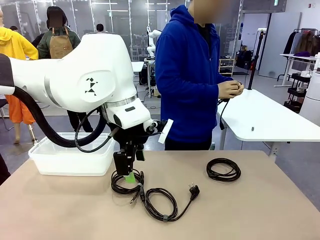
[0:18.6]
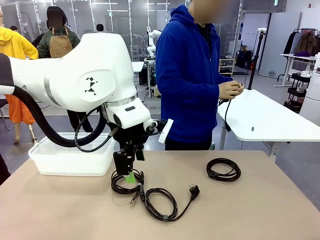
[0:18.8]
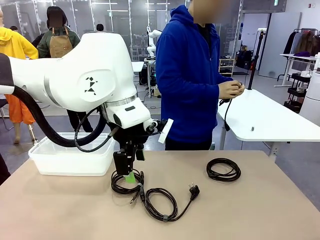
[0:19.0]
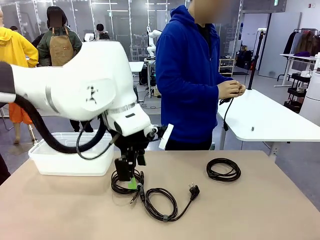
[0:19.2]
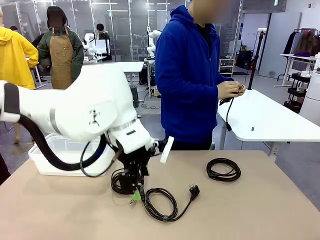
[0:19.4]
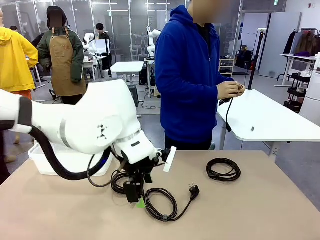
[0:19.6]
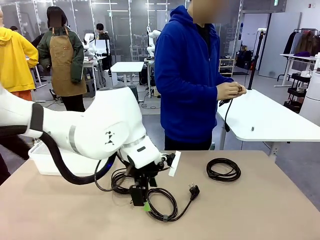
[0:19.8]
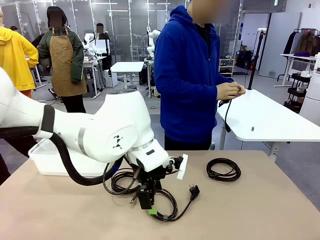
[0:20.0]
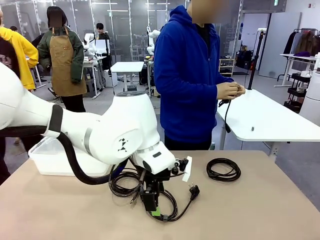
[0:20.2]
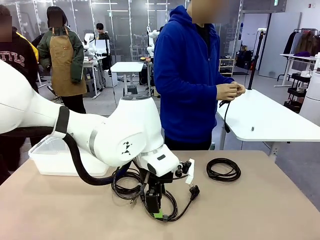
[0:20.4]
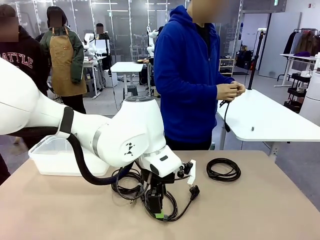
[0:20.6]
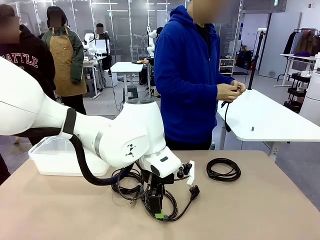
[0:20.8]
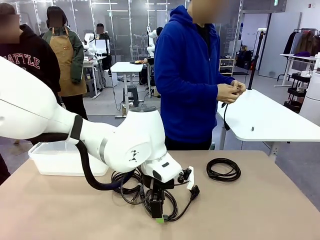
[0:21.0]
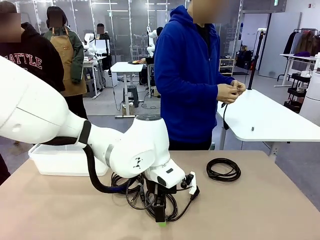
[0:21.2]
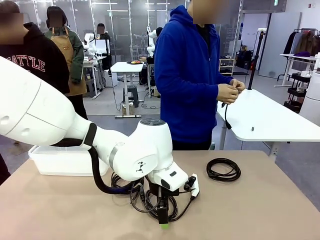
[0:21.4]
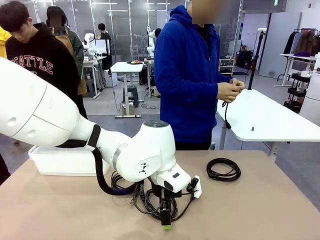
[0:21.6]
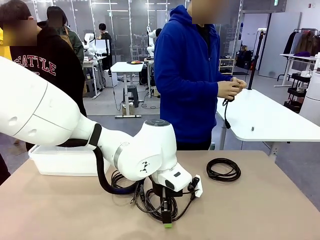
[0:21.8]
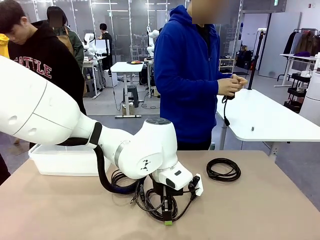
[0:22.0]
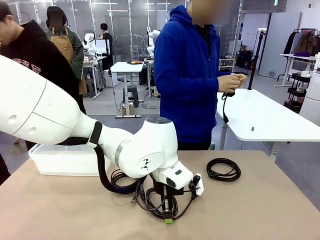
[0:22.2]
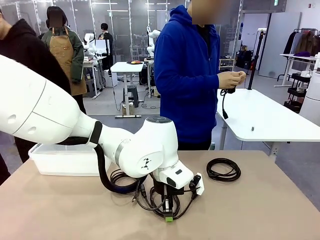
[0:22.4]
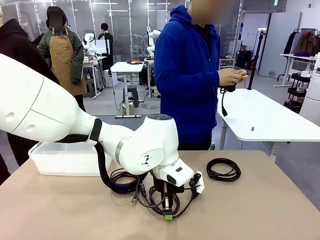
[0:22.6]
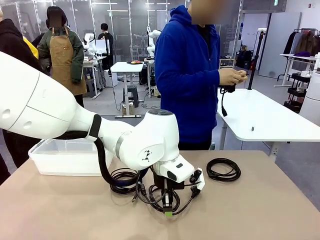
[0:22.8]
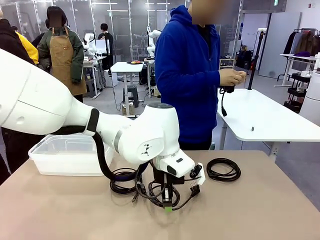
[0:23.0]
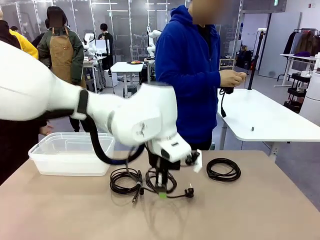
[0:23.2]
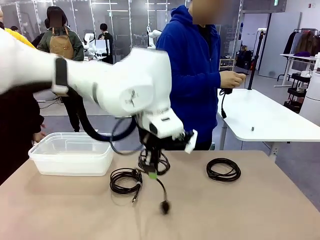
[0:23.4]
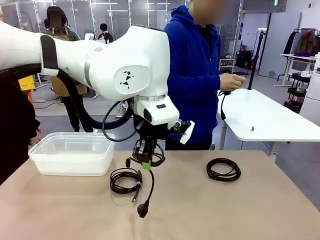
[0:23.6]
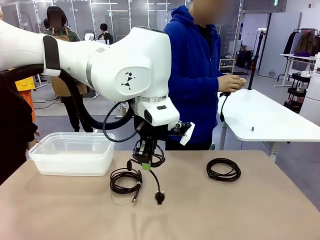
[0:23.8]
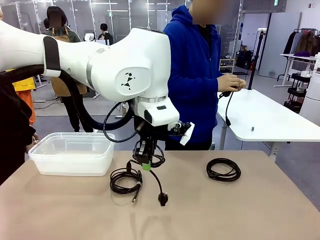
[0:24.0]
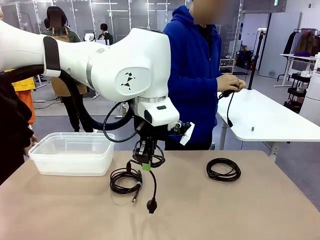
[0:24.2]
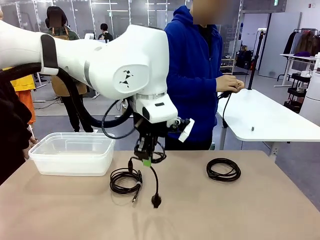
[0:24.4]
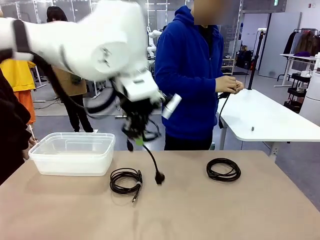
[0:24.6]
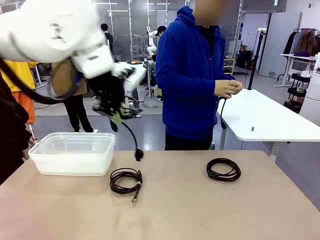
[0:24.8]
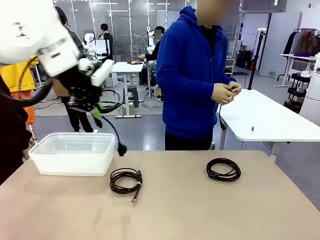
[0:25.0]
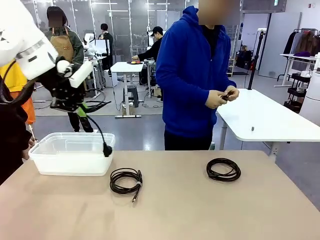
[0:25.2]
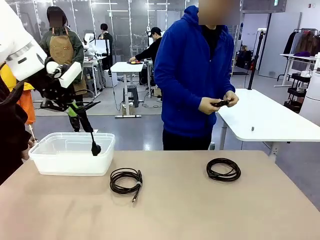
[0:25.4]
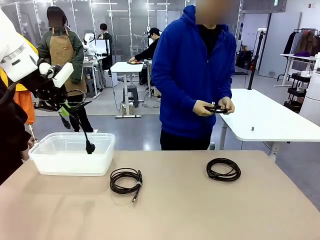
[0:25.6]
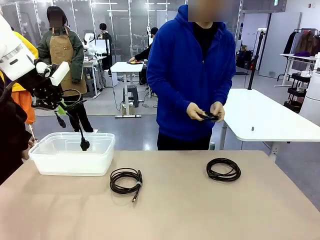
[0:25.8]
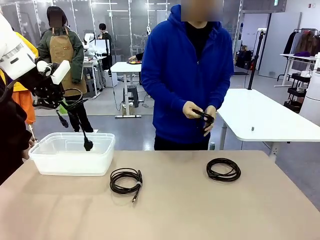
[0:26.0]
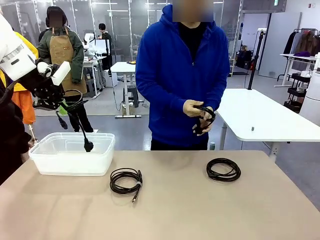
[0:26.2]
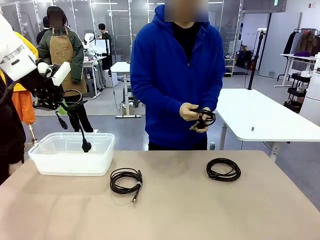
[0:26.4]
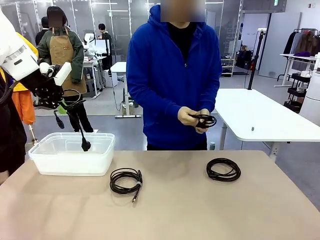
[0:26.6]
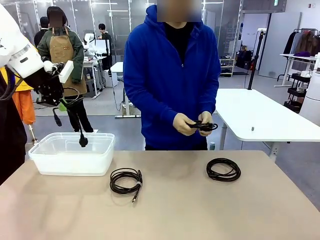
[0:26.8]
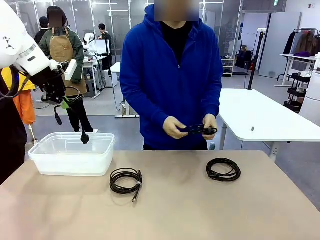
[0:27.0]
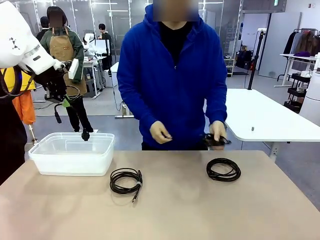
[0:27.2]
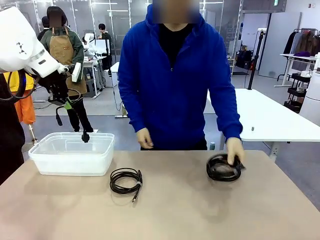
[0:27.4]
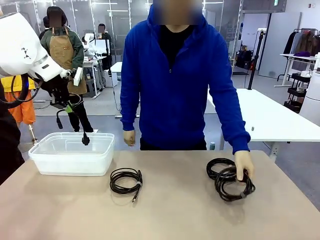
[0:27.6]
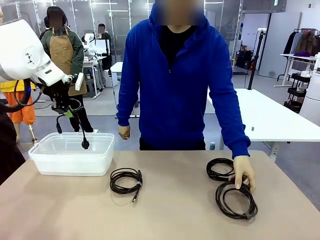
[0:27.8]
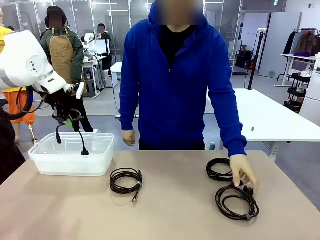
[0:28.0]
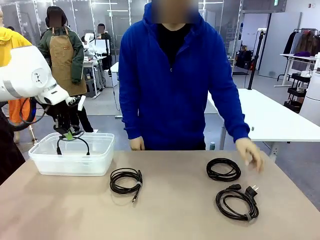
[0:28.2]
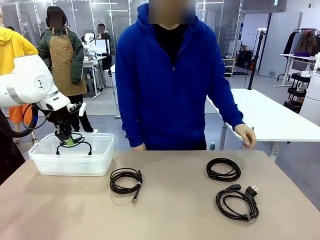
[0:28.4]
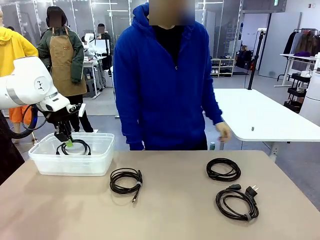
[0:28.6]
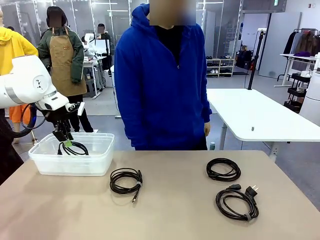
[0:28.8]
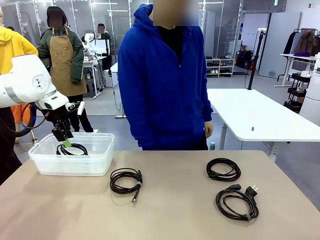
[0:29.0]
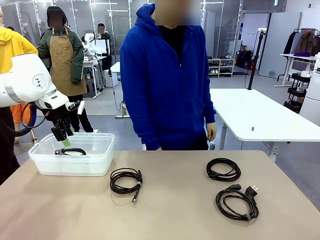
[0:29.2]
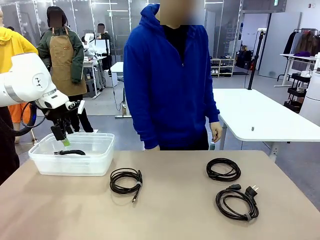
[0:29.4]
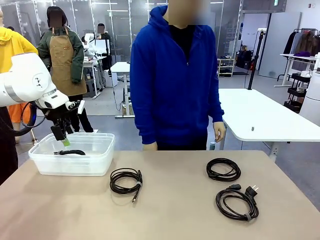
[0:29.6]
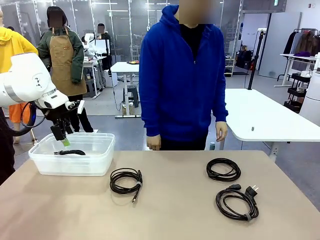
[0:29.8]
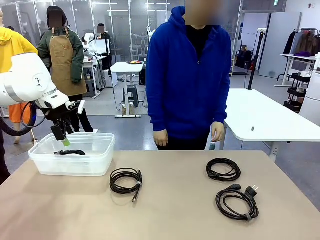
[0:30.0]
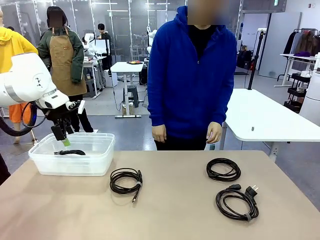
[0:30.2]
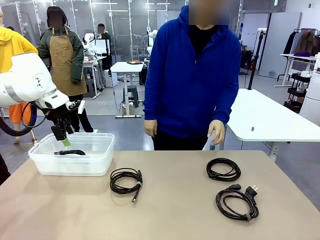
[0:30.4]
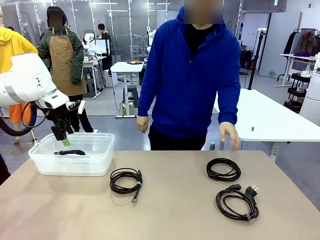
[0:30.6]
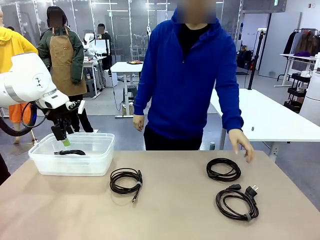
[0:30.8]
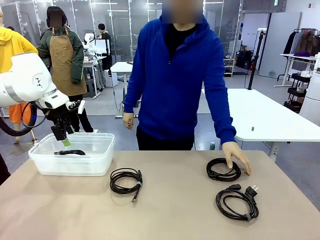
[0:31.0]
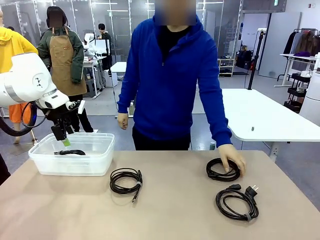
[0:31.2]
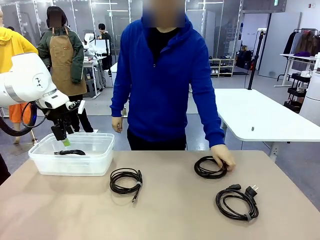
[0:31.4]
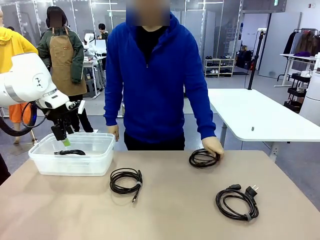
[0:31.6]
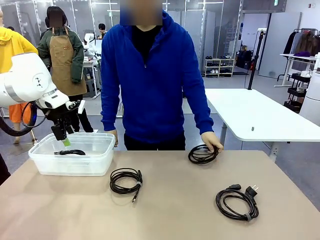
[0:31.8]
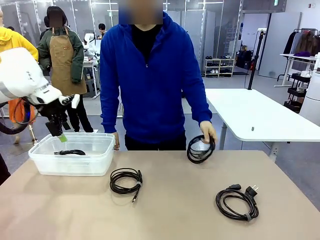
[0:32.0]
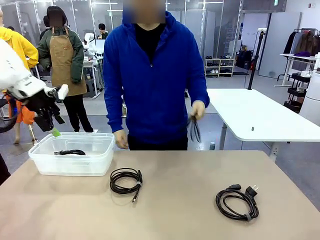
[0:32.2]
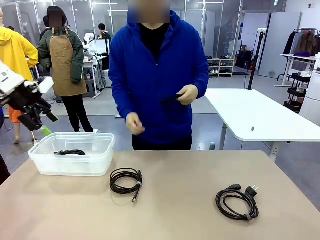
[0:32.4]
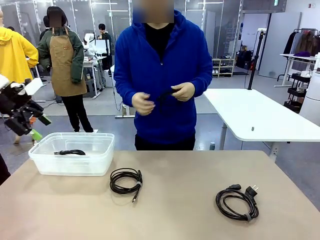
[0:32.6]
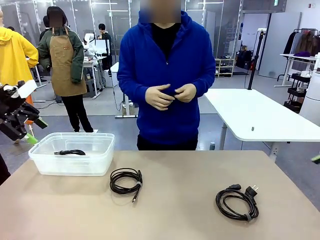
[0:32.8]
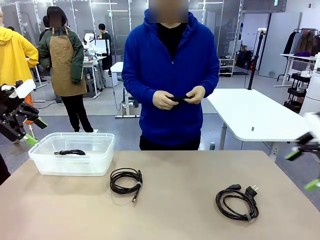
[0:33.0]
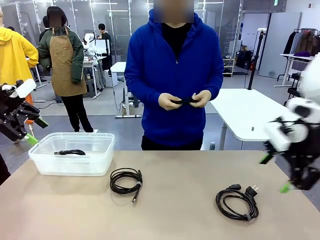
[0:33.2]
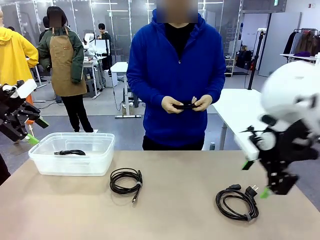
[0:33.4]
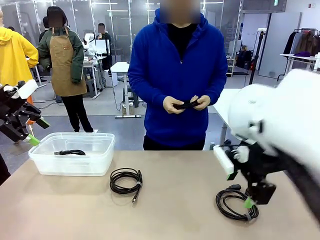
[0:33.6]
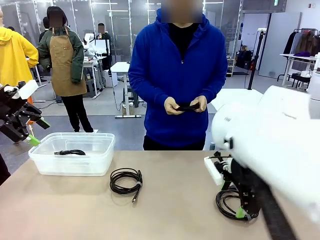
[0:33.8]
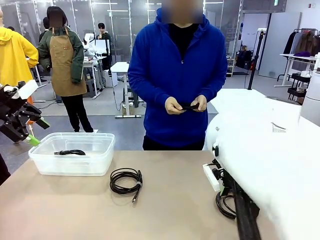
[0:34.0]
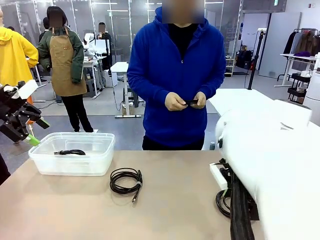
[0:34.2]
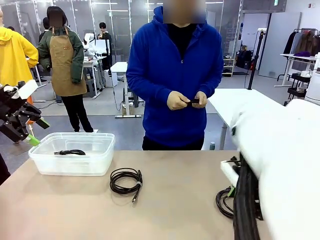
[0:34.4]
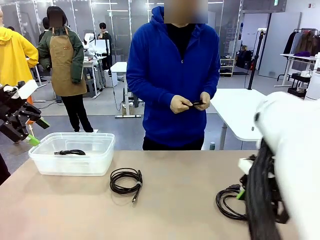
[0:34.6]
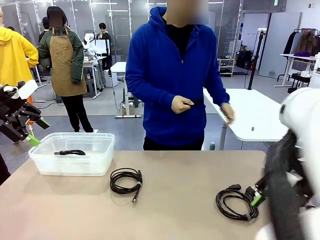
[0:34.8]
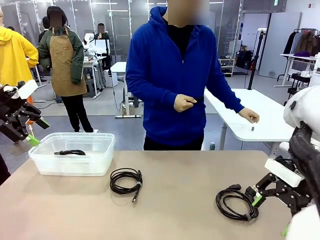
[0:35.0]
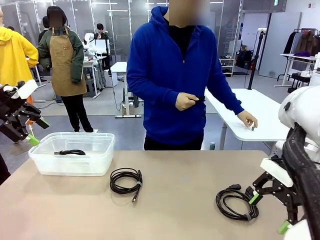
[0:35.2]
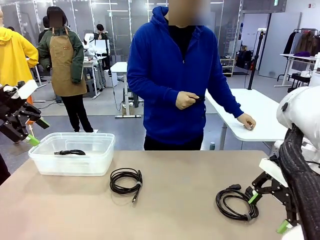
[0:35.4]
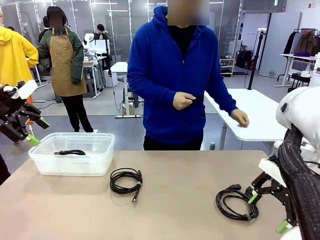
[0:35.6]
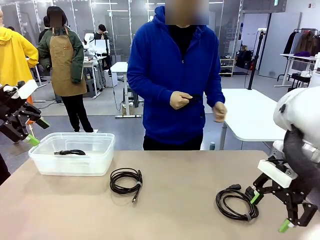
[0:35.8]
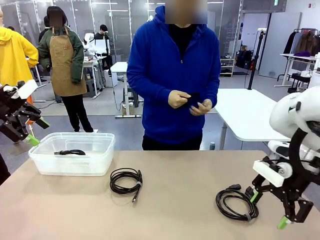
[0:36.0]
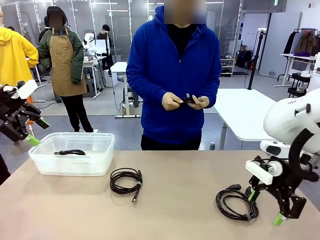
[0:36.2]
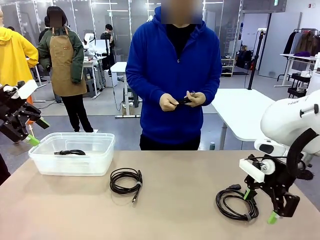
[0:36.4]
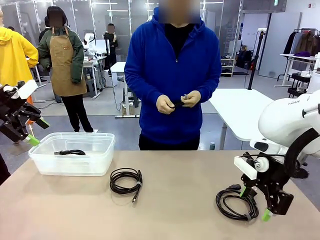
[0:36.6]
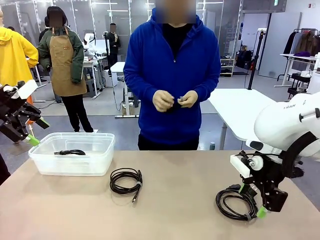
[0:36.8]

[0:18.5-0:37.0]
Task: Organize and store the cables.
Robot: Place the Power Cable into the Organizing box.
